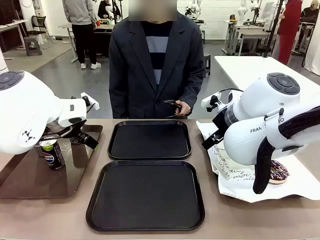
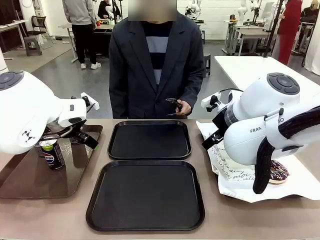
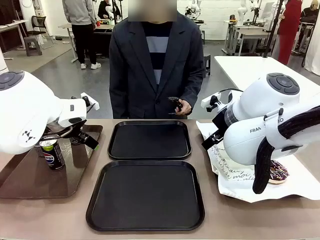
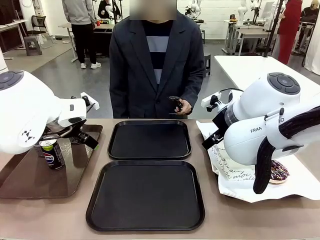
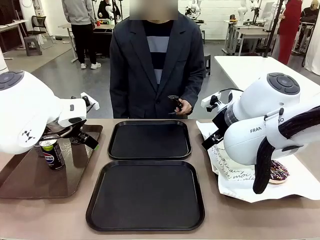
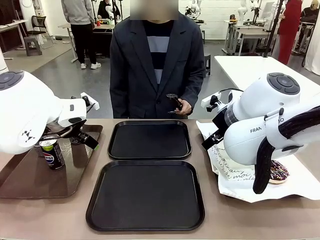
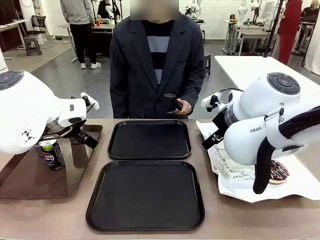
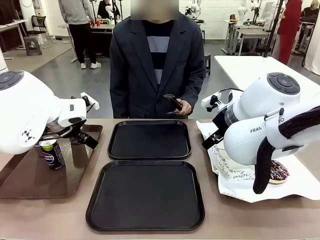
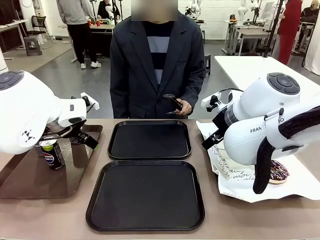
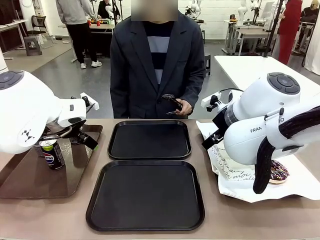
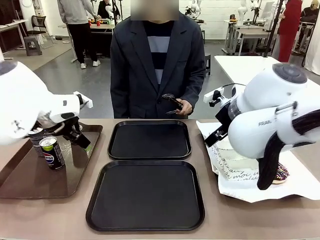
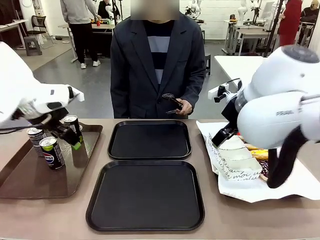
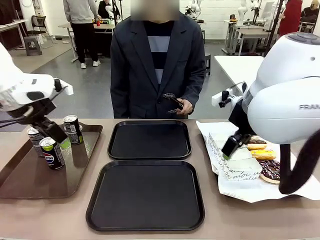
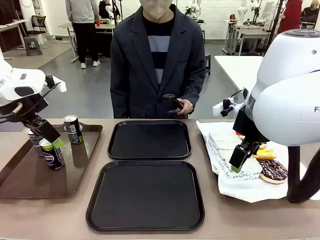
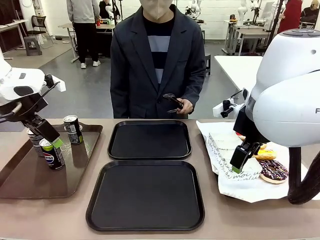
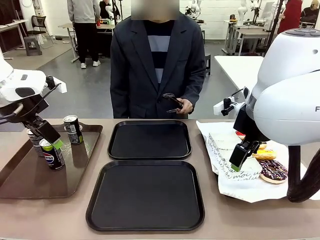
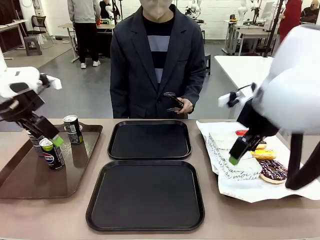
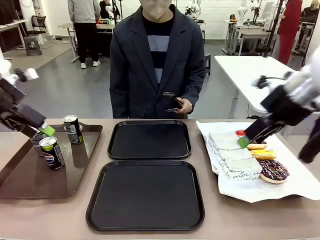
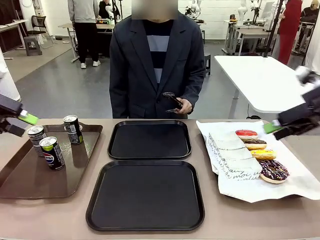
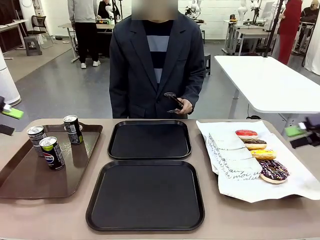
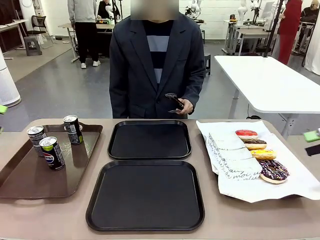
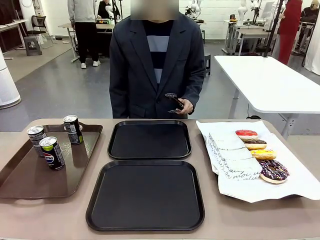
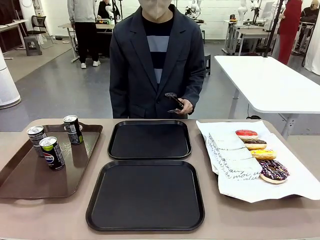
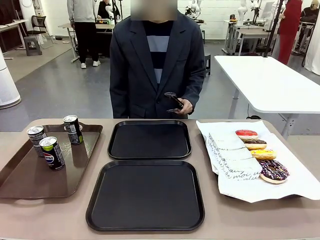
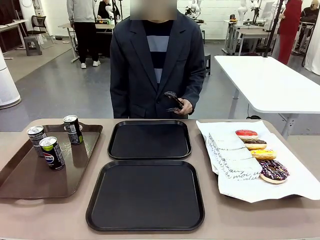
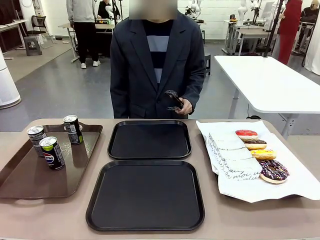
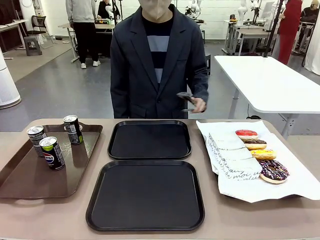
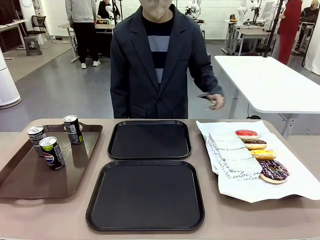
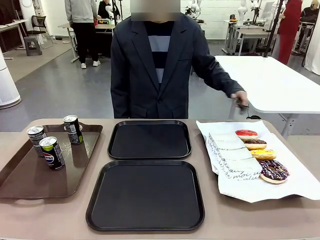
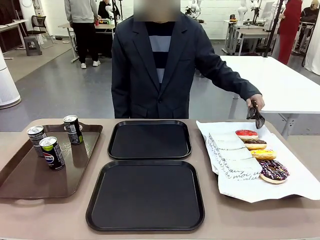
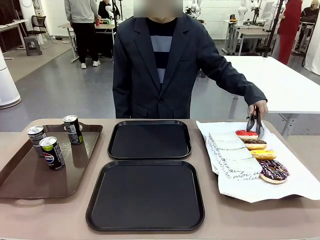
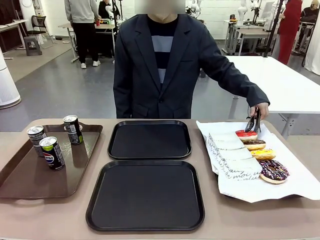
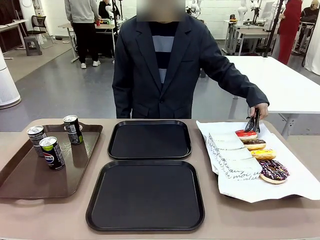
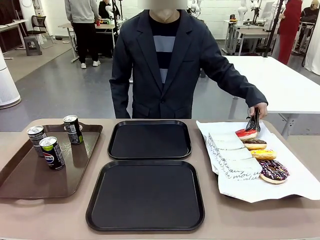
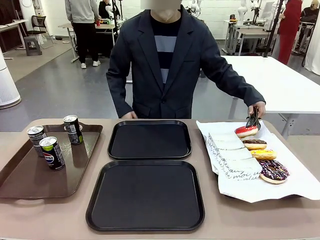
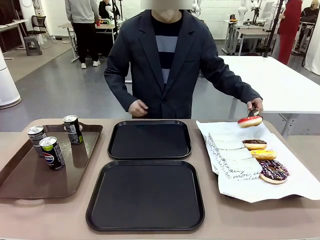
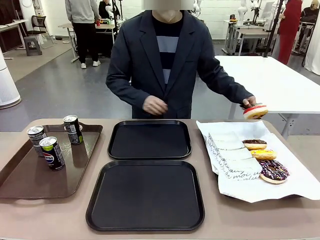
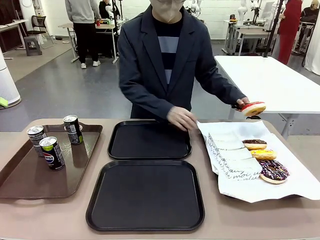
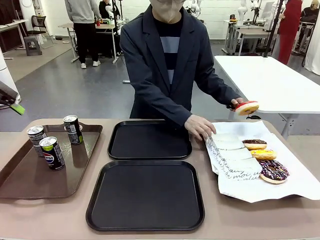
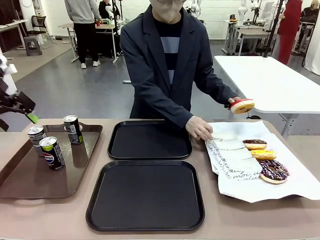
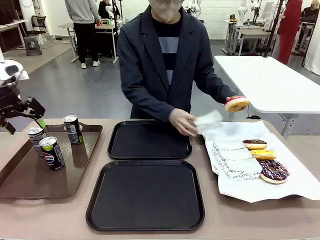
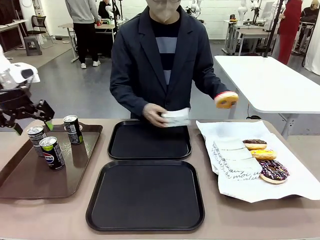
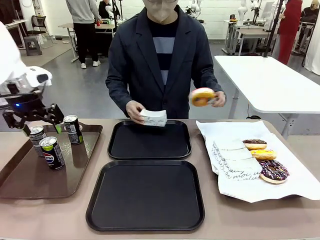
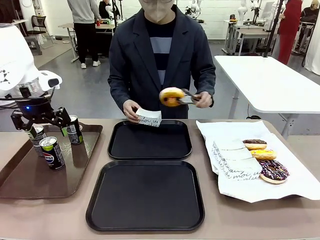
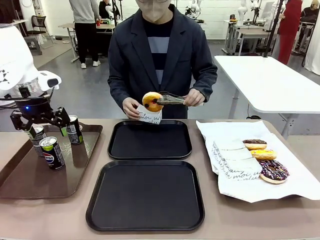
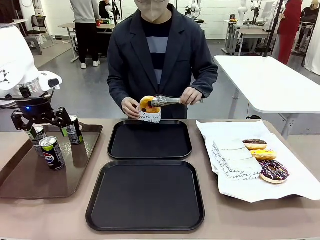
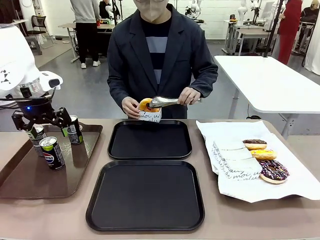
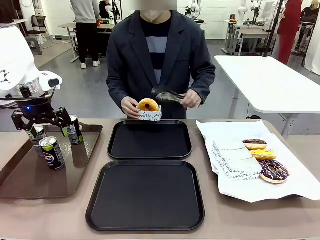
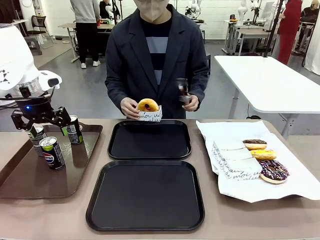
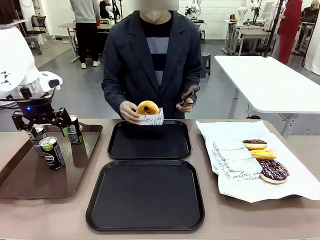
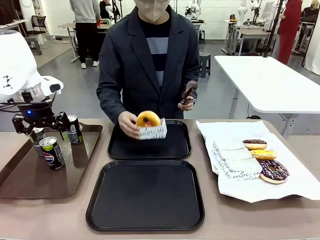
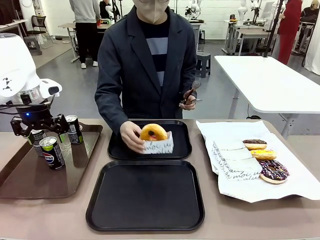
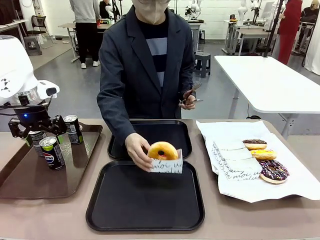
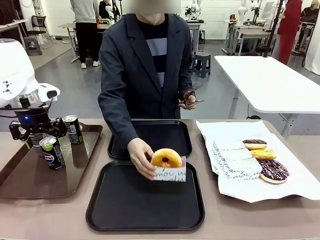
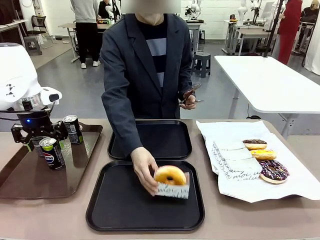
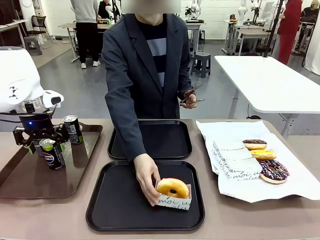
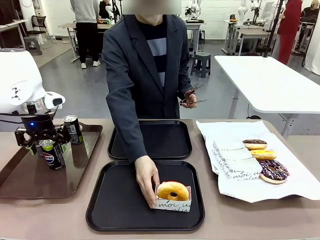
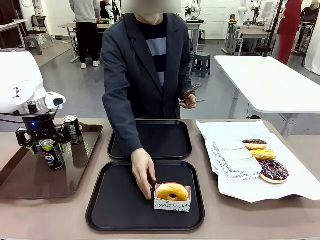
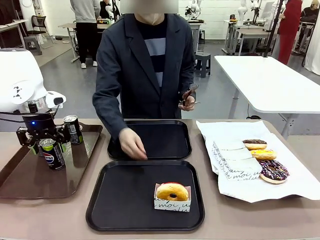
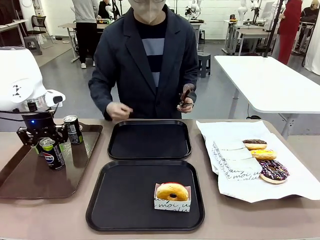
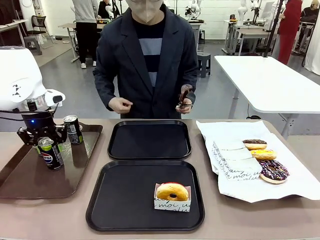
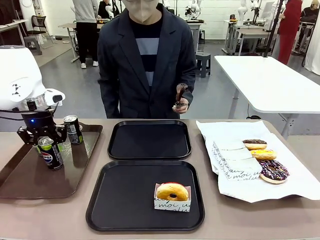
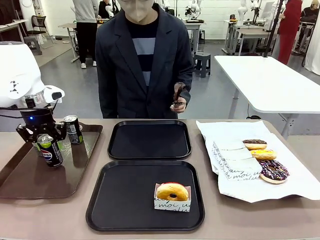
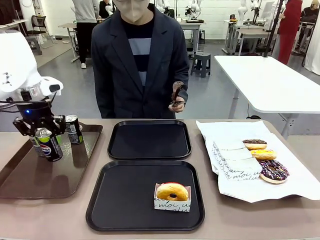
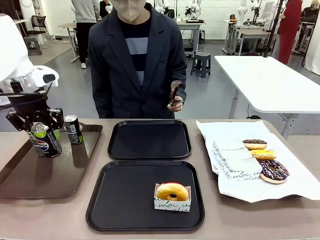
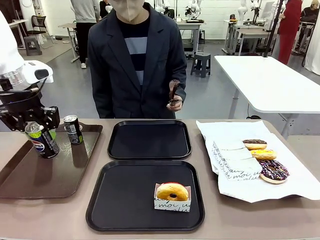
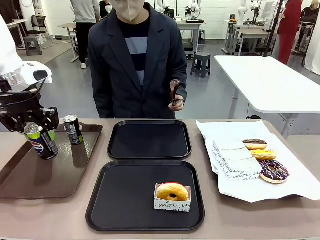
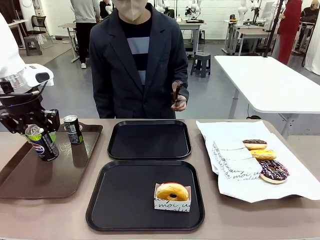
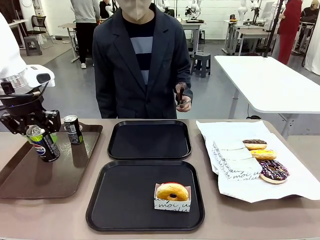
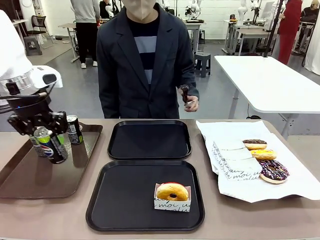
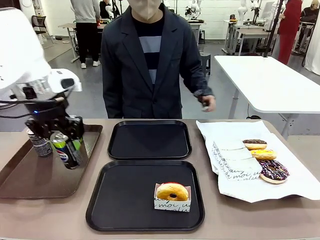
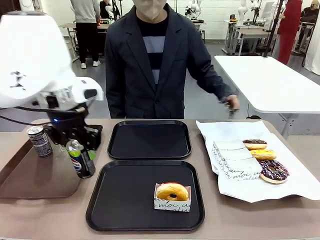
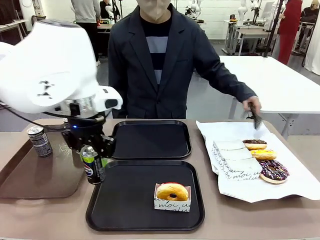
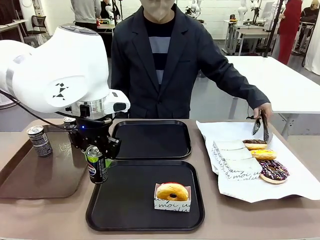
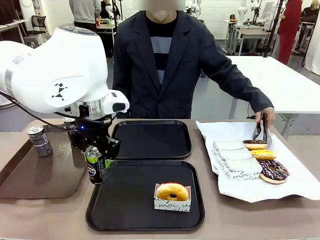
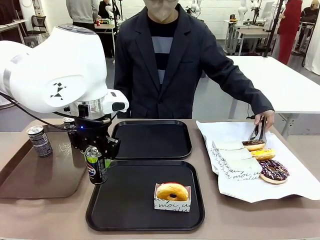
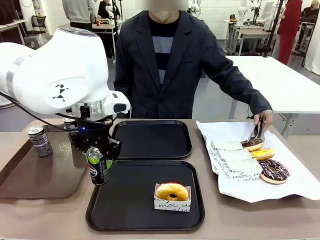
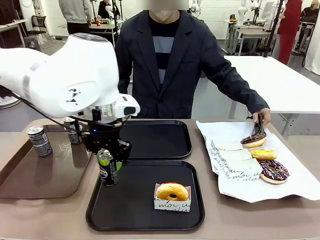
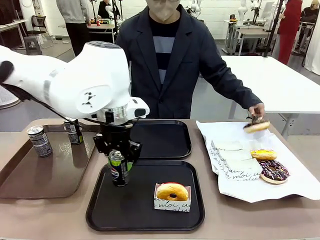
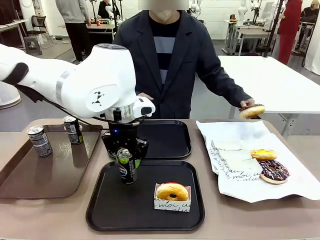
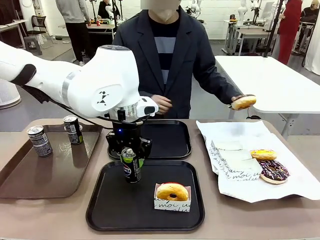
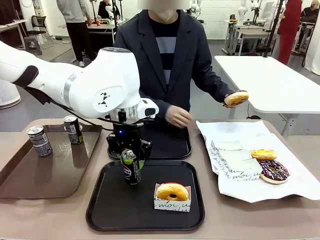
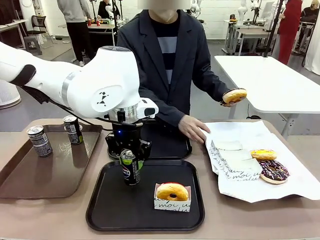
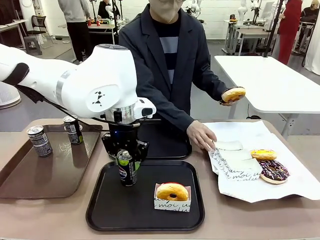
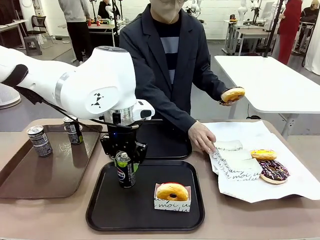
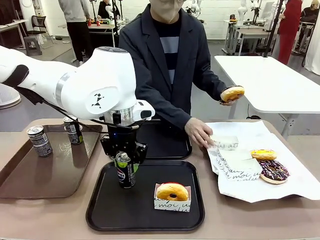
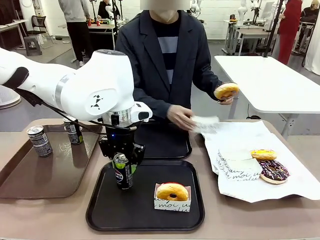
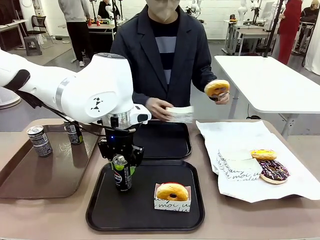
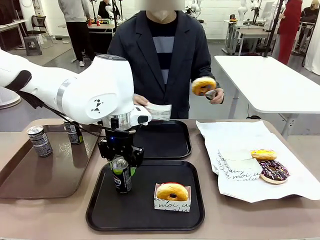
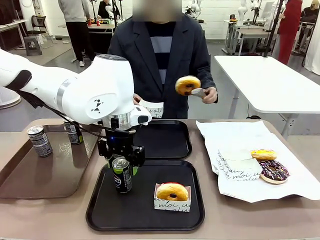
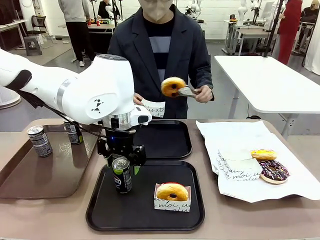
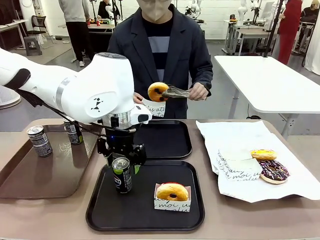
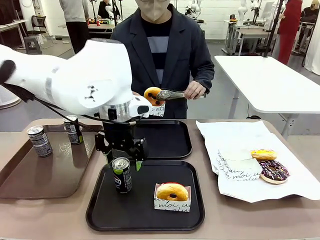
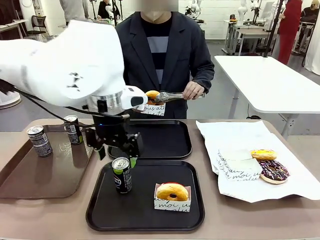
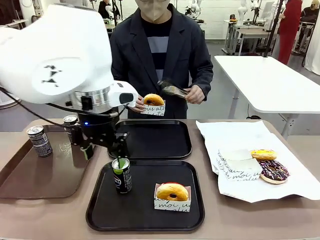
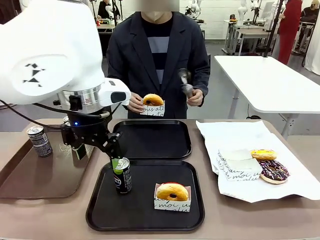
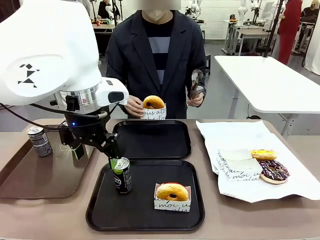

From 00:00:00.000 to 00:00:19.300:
Task: Set up donuts and drinks on trays.
Robot: Pick up one Pepsi coke and place it on the Flat Tray.
